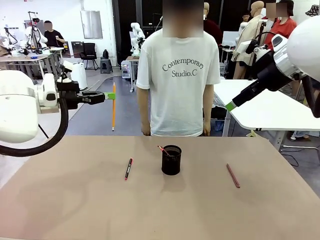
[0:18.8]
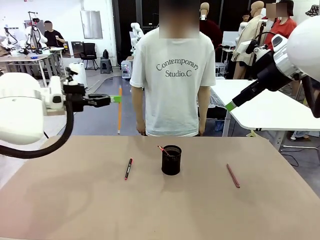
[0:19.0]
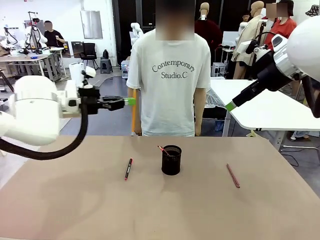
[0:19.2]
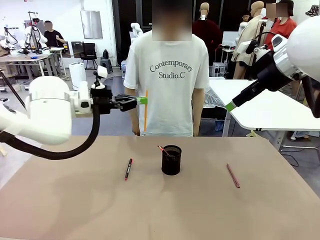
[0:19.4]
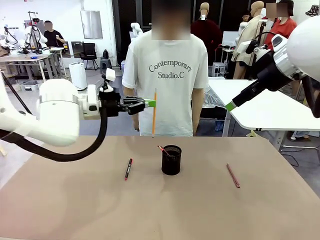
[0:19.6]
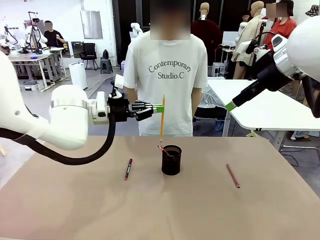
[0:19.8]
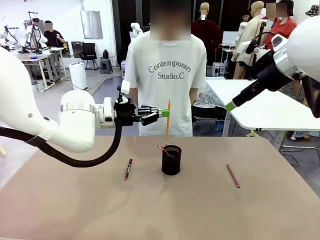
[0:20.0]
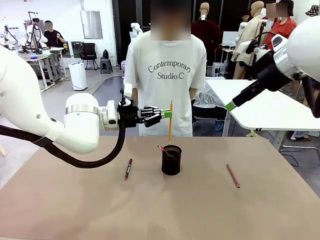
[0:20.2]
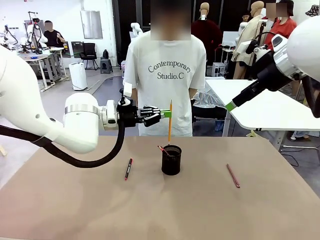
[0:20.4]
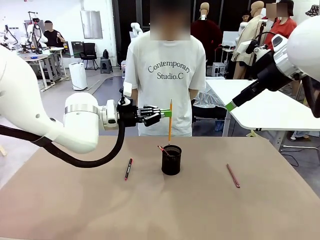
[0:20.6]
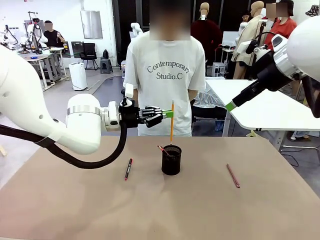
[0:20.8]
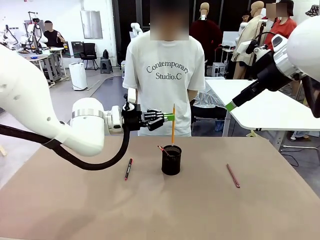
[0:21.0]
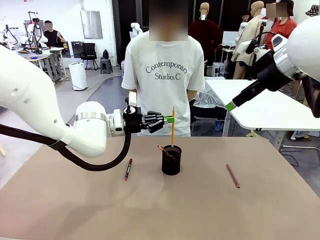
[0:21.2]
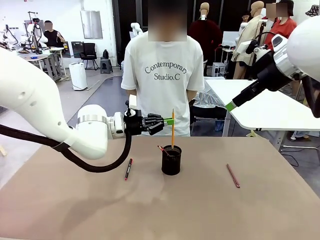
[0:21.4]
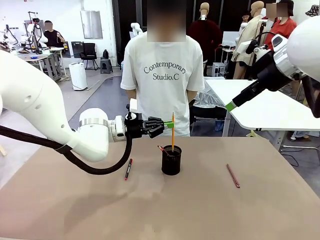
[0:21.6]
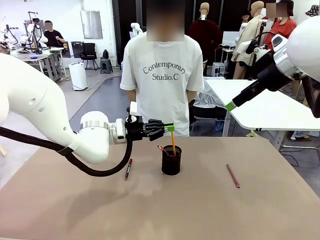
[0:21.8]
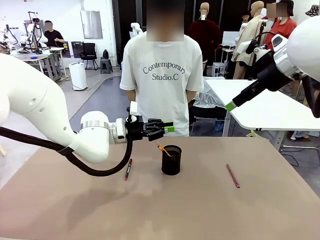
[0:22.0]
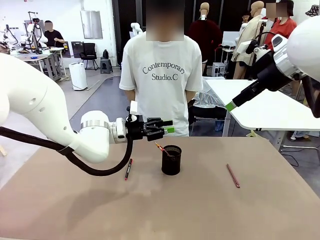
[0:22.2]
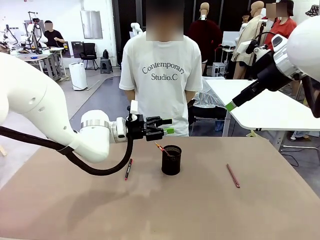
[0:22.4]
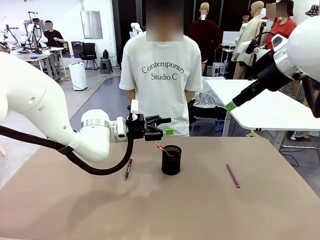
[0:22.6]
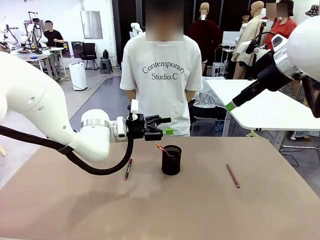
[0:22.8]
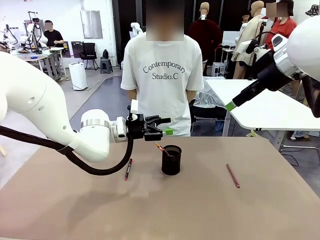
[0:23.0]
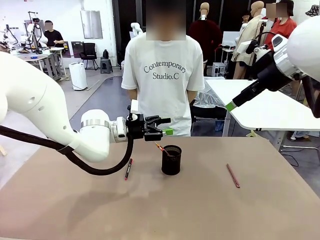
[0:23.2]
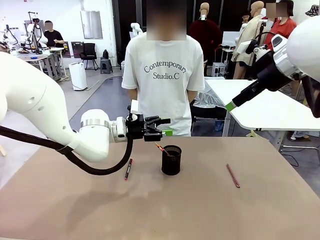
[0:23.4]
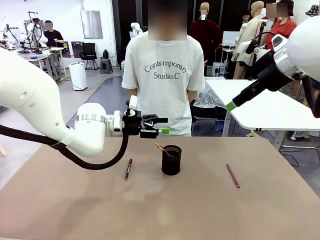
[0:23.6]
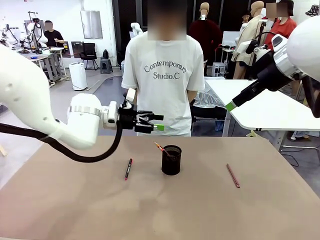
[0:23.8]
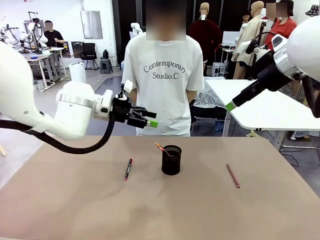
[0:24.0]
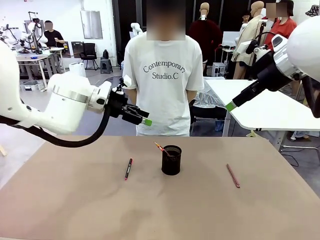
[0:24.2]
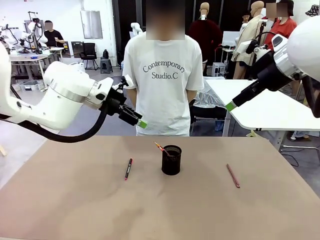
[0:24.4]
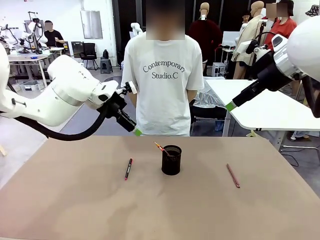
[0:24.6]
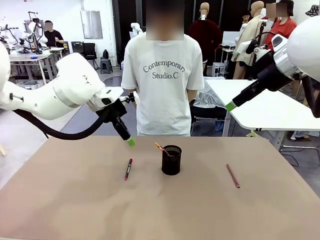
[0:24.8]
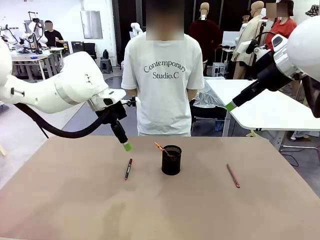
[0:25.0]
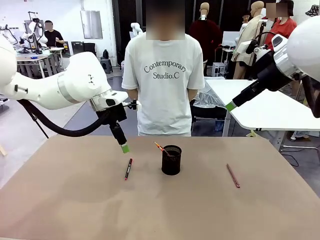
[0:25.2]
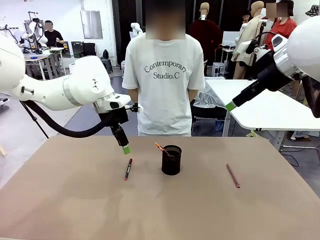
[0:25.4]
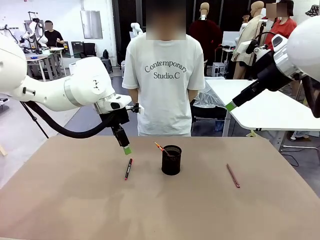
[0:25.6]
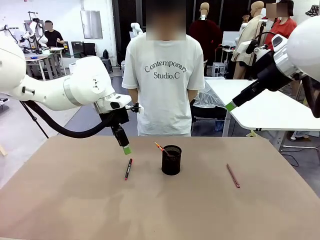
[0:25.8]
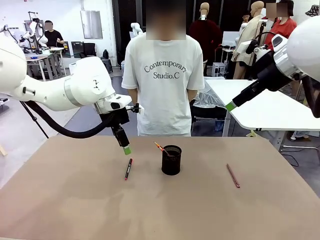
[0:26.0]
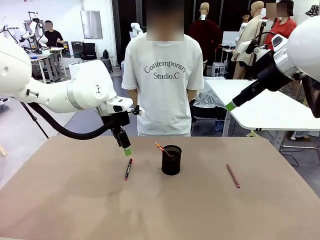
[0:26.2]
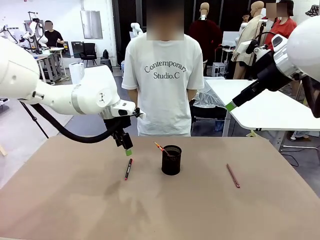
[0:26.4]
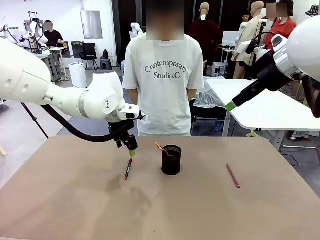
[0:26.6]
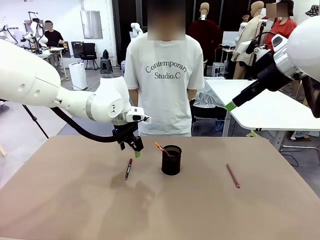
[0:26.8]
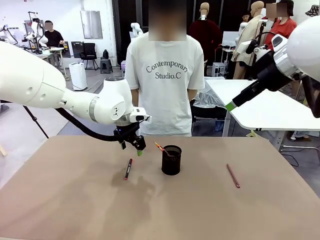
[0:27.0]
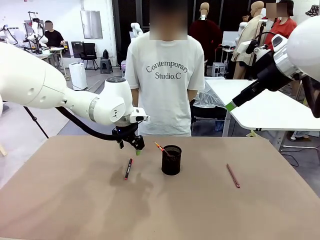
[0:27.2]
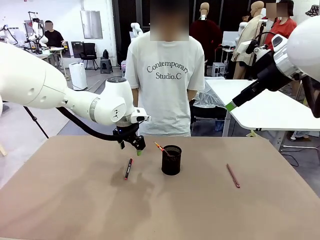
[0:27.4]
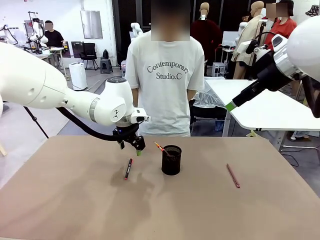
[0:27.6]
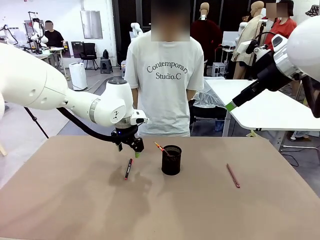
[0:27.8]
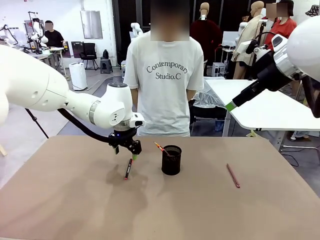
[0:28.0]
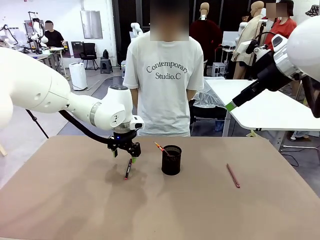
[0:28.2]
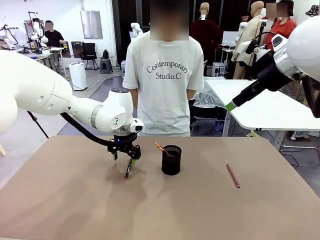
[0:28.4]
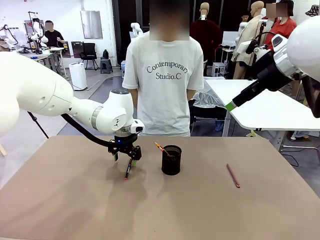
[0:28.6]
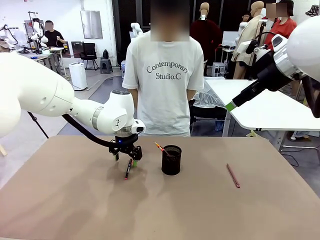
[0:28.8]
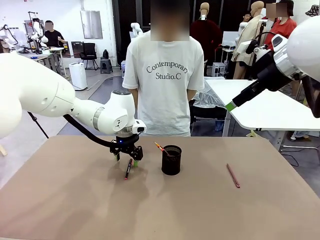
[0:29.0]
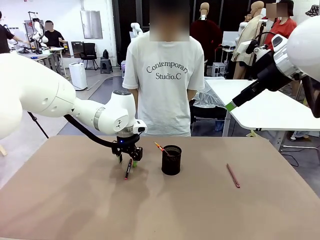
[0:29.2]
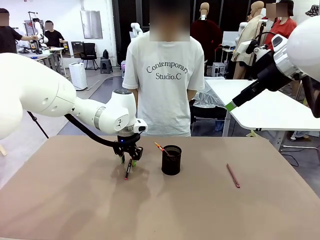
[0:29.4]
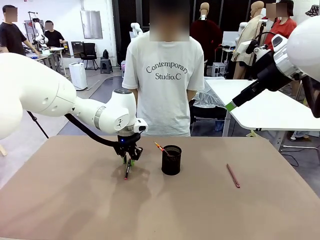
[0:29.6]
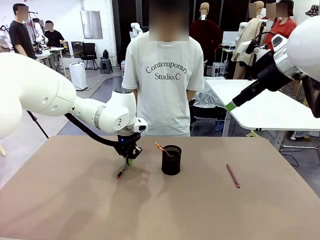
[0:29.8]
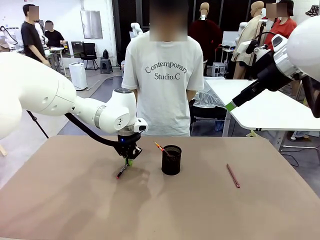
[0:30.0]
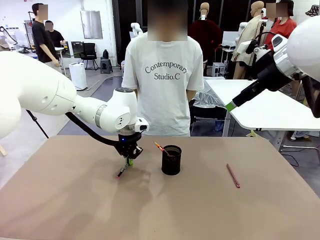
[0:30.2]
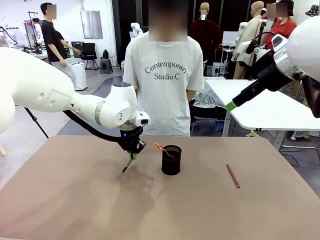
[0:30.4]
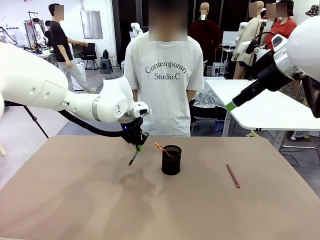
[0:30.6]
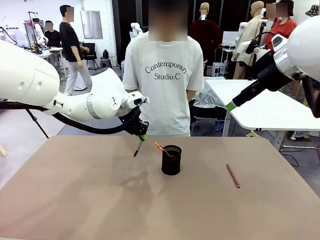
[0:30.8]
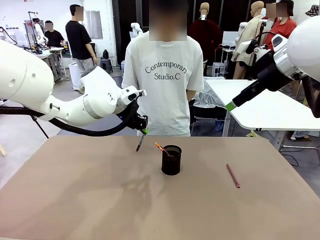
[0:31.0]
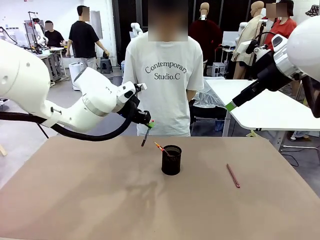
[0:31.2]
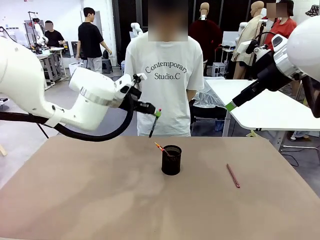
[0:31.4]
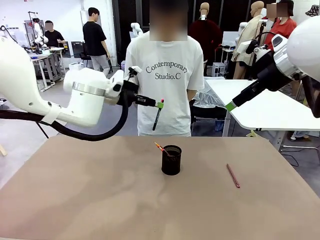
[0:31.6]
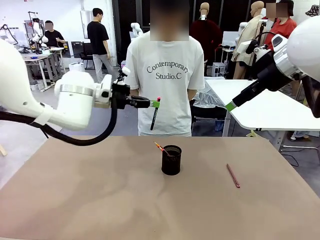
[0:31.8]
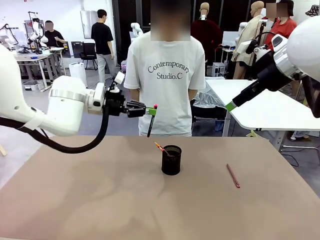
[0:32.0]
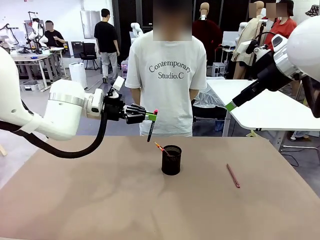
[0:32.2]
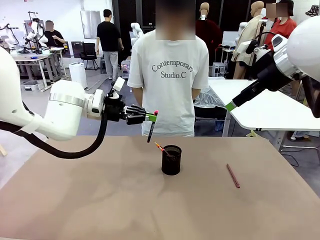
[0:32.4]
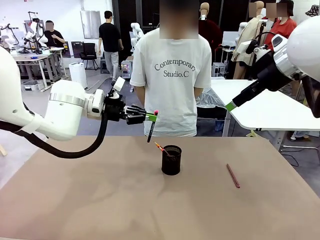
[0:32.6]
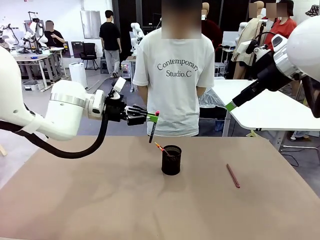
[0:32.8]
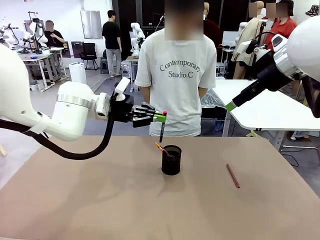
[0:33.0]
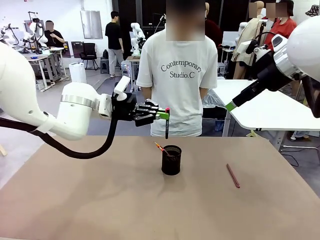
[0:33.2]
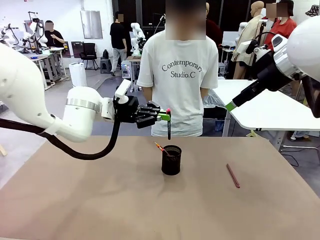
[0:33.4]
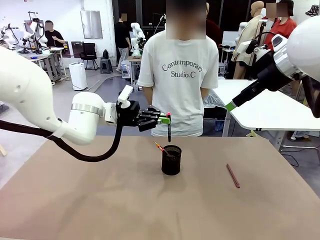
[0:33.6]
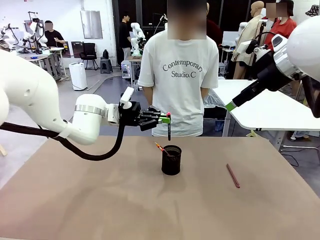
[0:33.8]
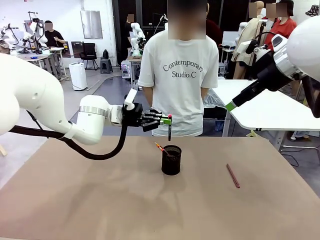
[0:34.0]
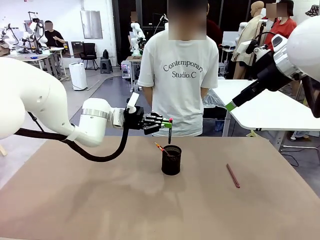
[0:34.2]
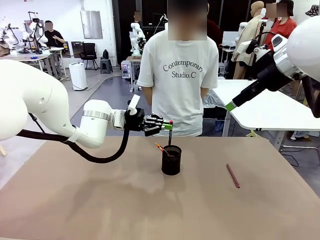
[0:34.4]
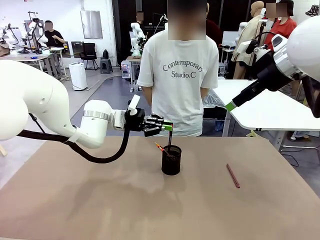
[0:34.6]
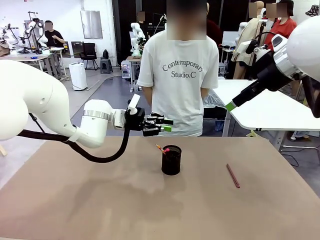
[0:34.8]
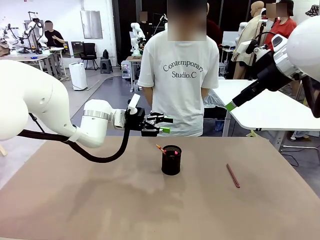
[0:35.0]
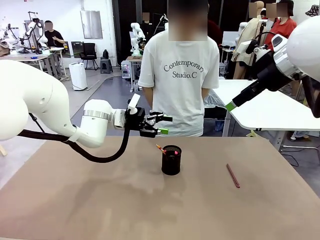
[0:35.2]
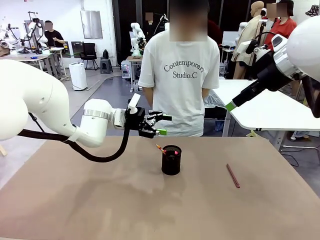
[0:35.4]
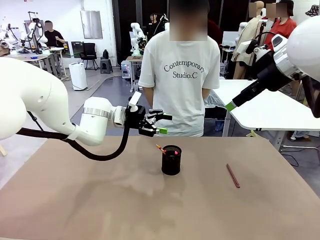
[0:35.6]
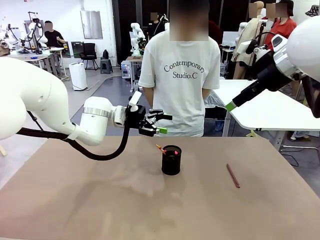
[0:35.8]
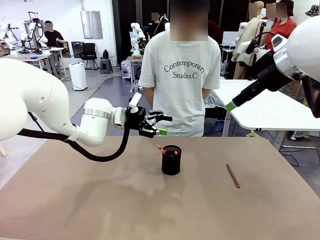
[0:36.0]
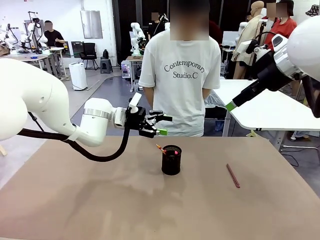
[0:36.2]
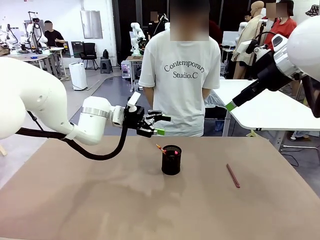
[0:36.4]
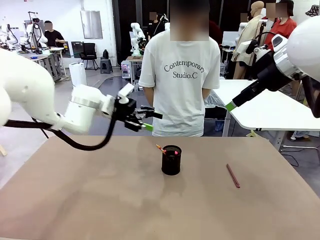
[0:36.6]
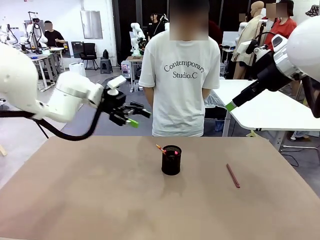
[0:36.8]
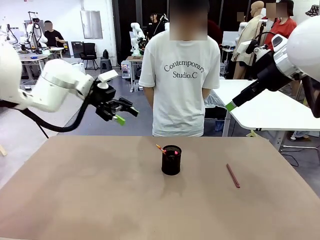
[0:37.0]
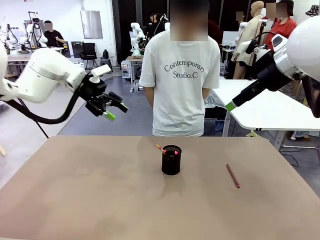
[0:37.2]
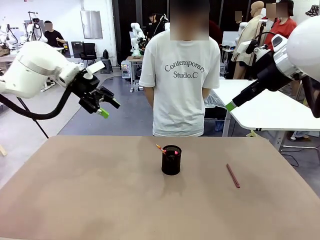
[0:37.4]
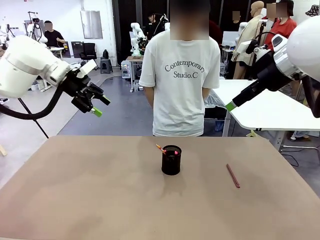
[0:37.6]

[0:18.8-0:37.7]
Task: Place the pens into the pen holder.
Robot: Pick up a writing instrument from the table and place it into the Pen holder.
